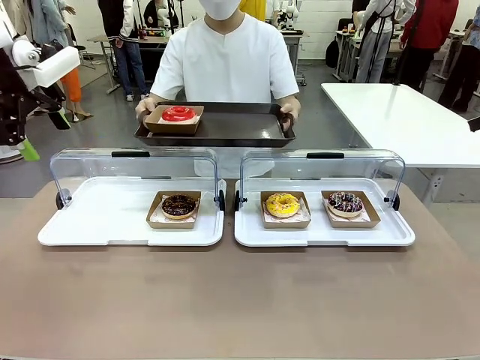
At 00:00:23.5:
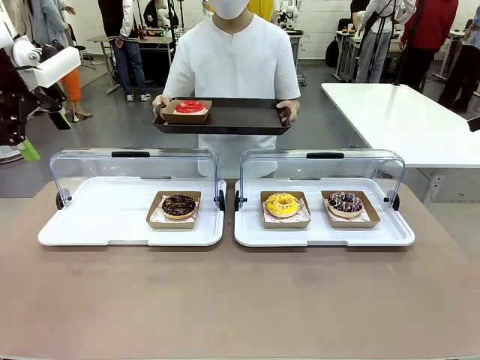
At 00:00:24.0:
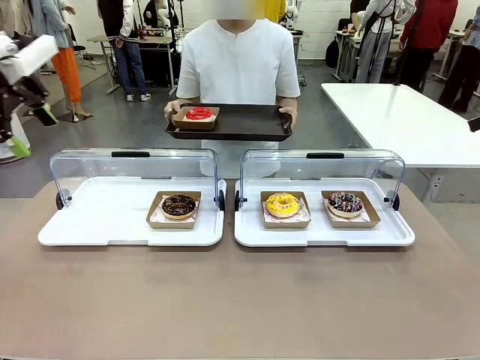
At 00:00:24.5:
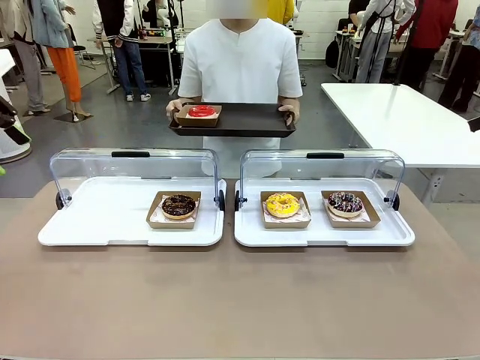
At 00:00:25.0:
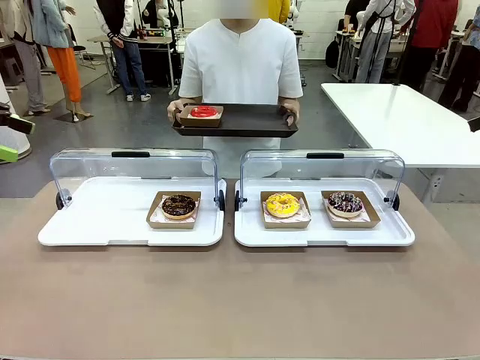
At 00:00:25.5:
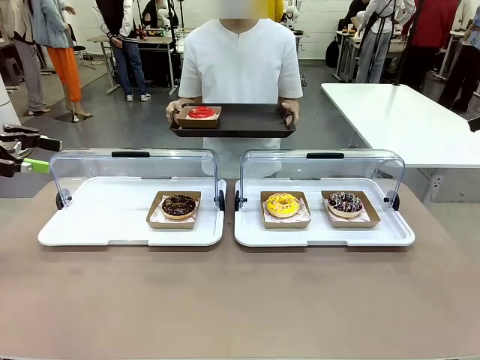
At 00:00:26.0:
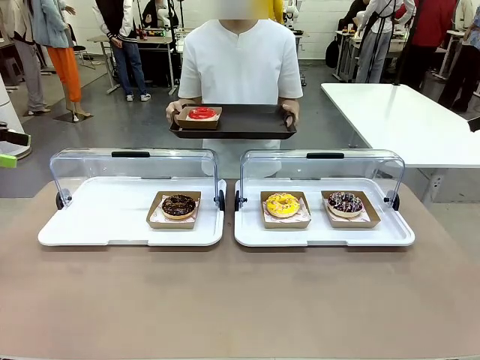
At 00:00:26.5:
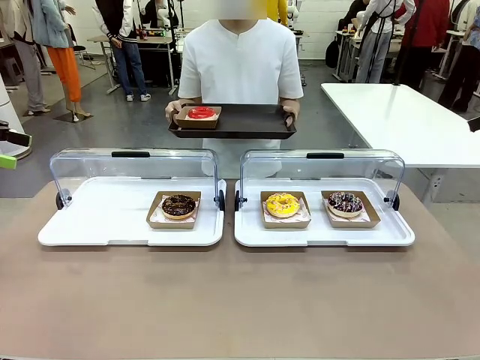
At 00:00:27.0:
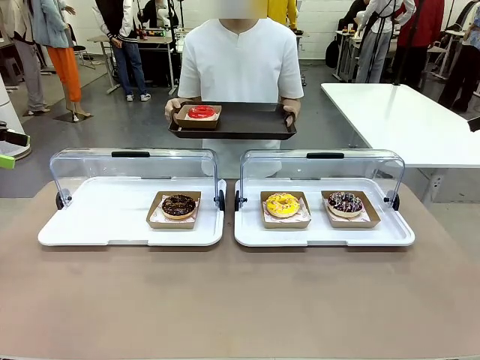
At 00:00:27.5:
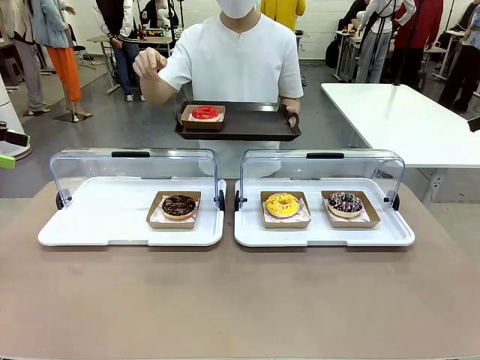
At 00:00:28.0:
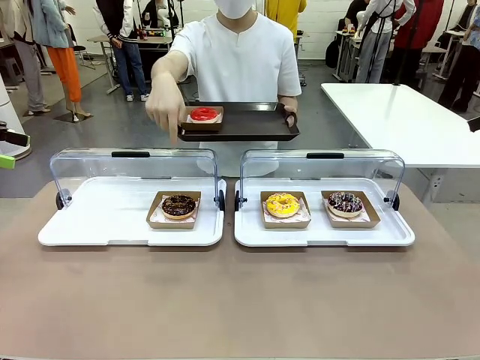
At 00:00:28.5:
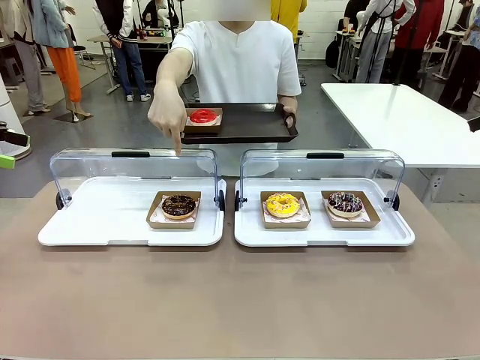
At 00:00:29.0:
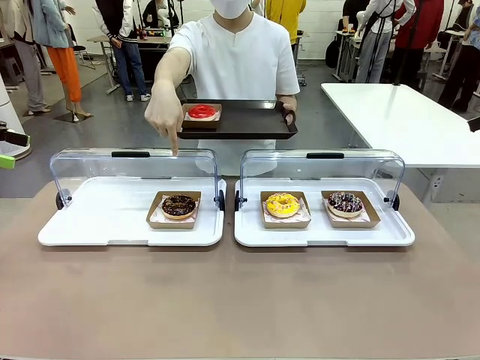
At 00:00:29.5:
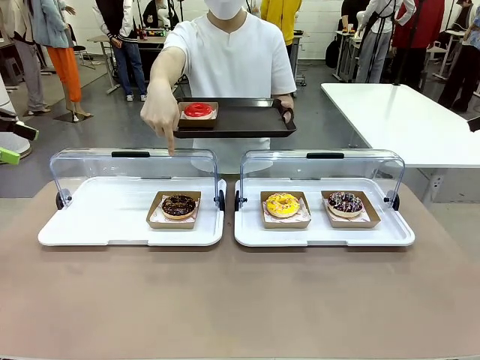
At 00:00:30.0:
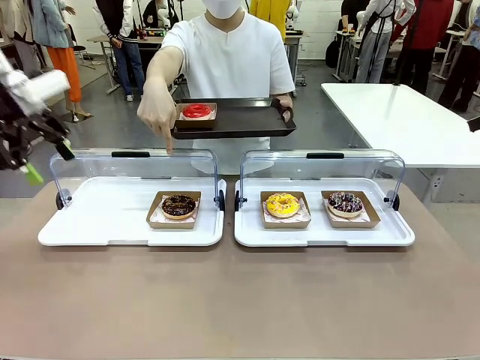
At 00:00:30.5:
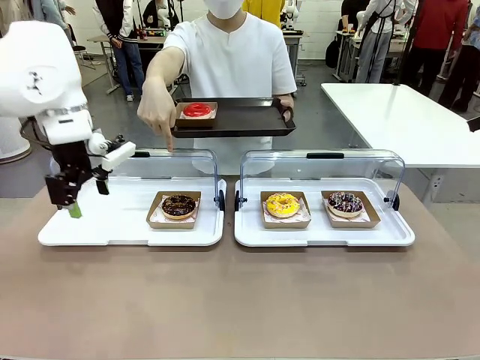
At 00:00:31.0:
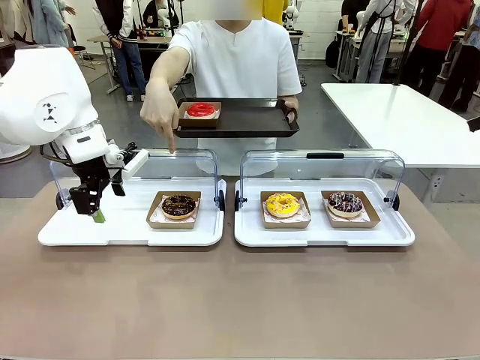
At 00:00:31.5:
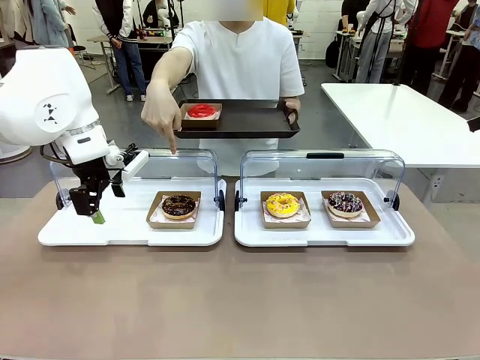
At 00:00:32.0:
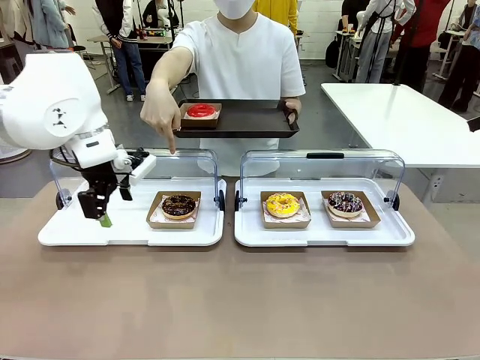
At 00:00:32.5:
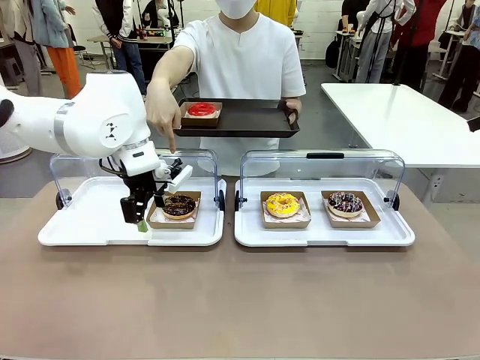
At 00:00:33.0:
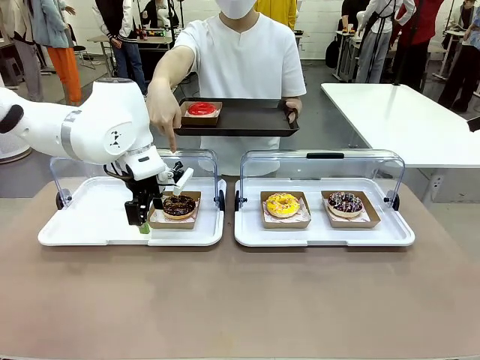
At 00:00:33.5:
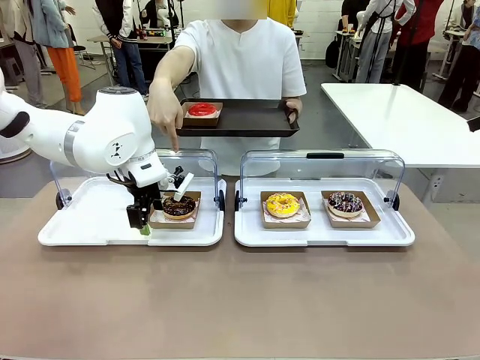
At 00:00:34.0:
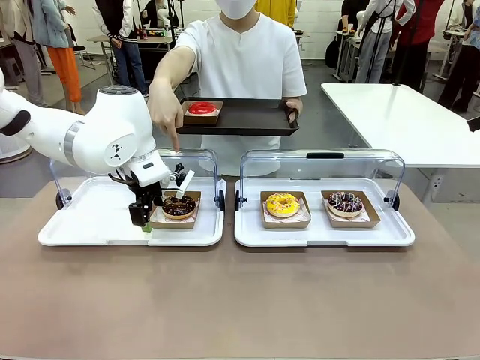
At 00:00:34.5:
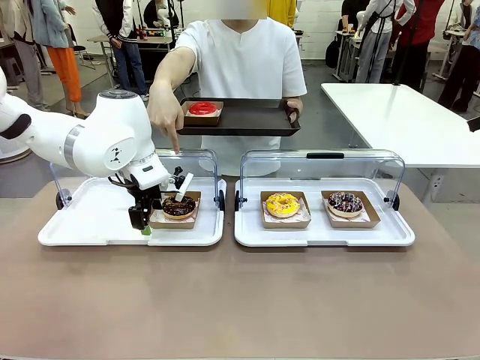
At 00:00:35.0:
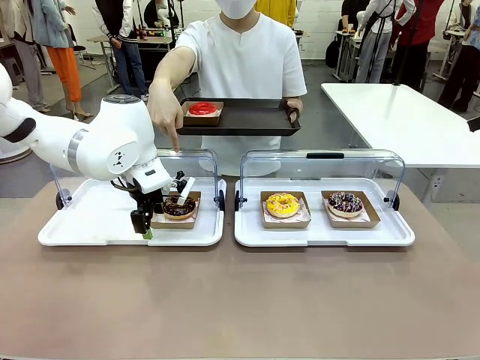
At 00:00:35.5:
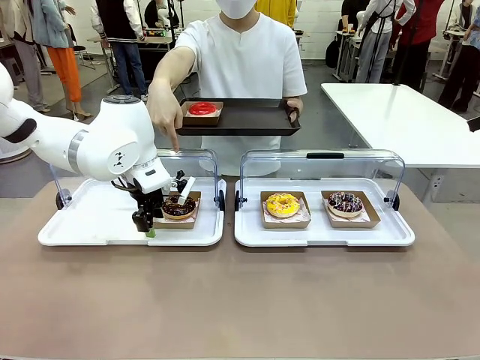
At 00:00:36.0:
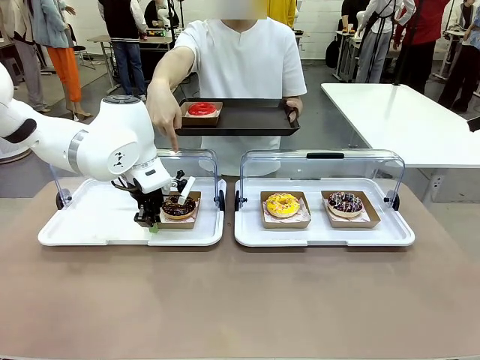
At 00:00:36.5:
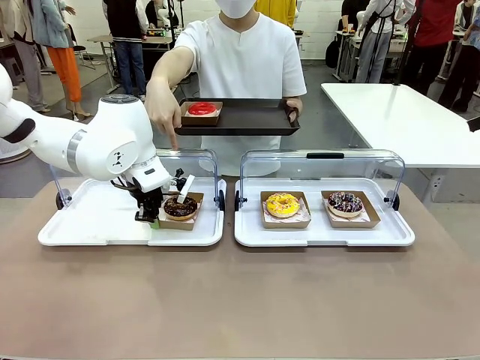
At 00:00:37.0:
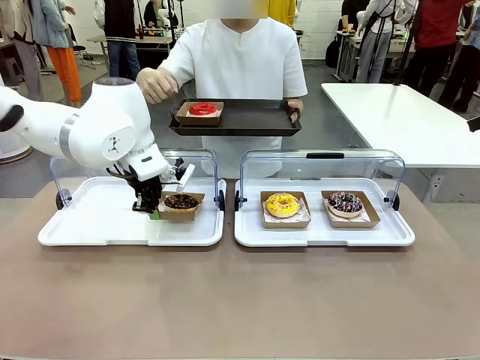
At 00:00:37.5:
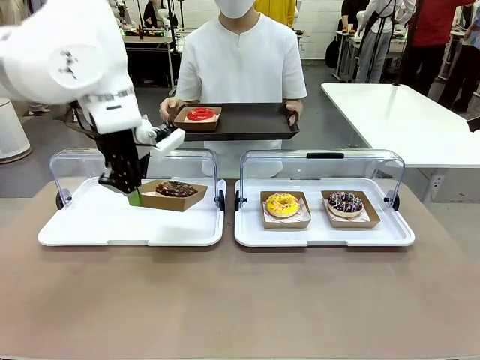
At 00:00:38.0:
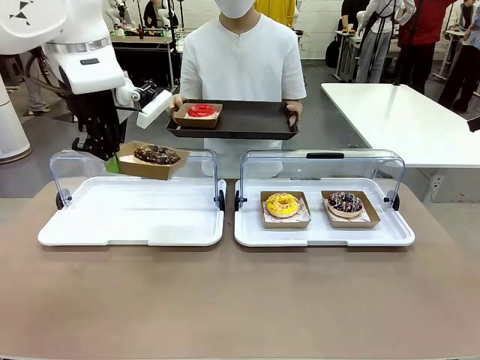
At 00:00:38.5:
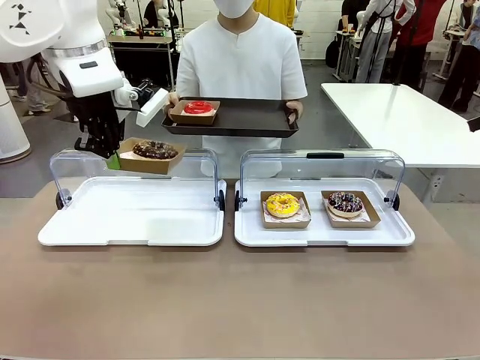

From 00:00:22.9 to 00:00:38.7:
Task: Provide the desired donut to the person.
Robot: Pick up and lift the Paper togo box containing the Donut pointed at by the person.
Person: Point to one donut. Lift the tray onto the Roll-Top Bakery Case.

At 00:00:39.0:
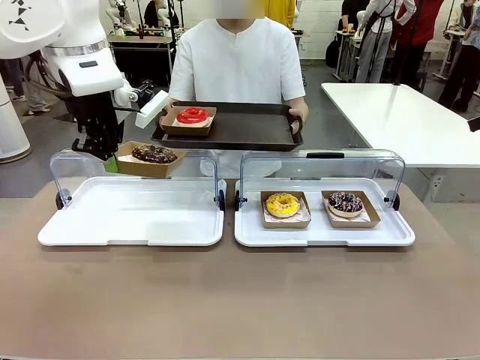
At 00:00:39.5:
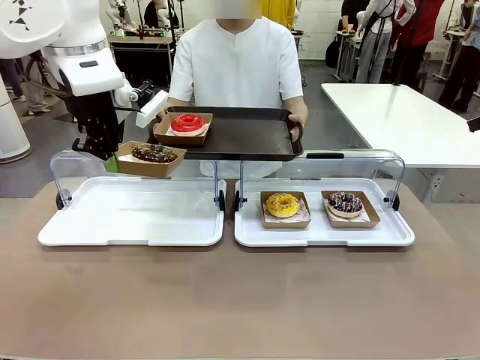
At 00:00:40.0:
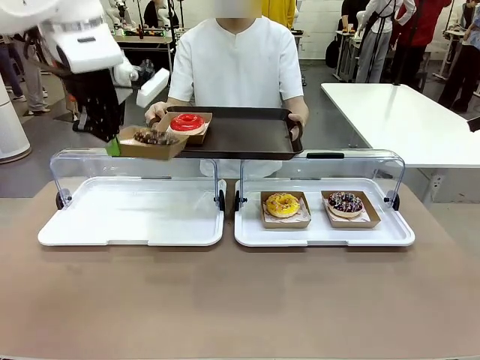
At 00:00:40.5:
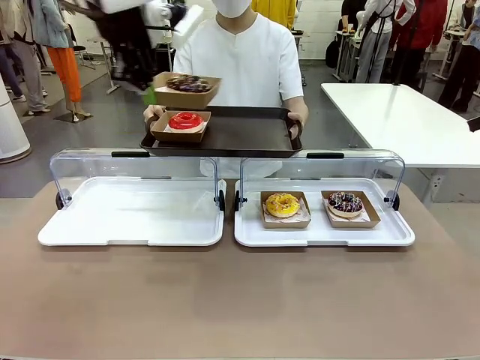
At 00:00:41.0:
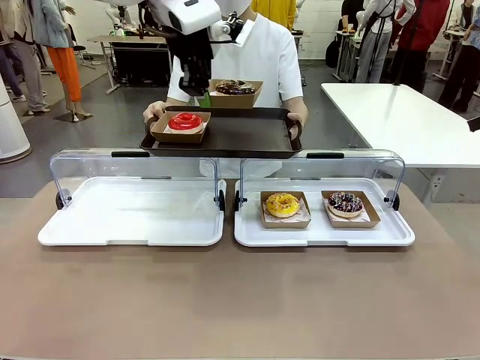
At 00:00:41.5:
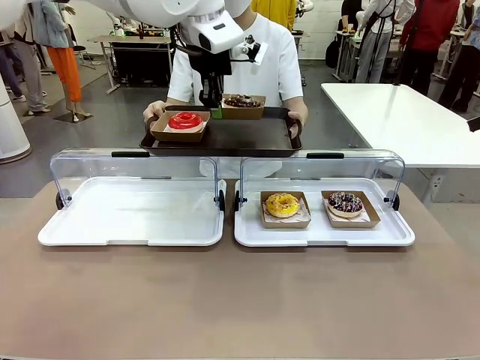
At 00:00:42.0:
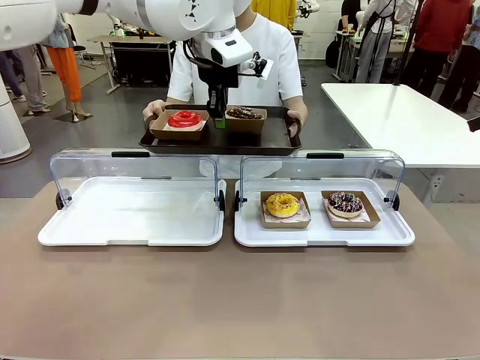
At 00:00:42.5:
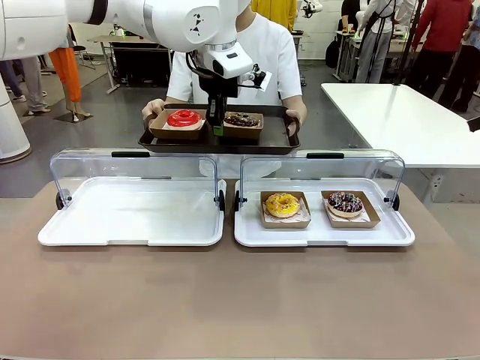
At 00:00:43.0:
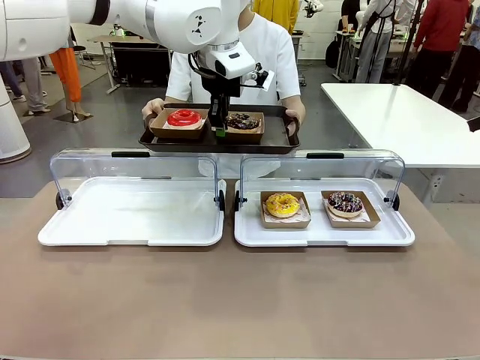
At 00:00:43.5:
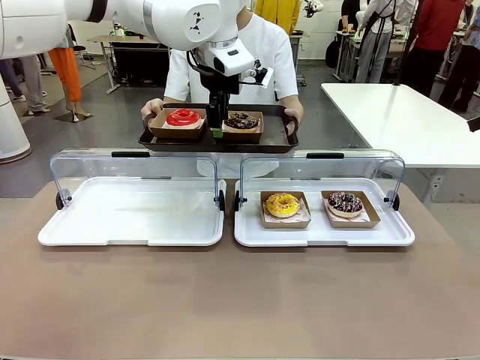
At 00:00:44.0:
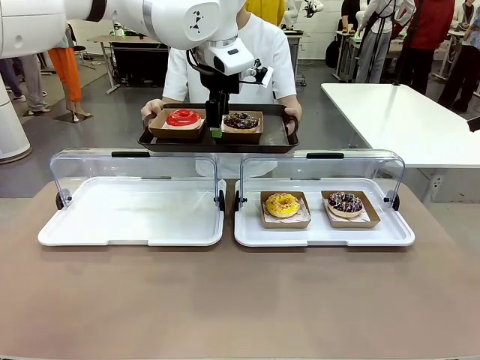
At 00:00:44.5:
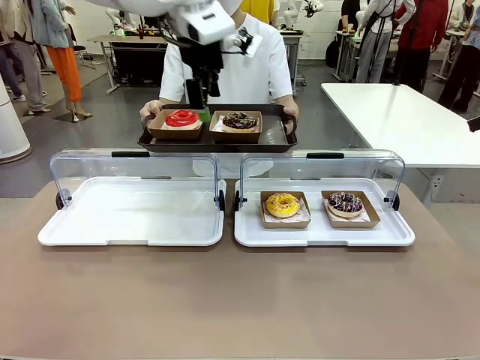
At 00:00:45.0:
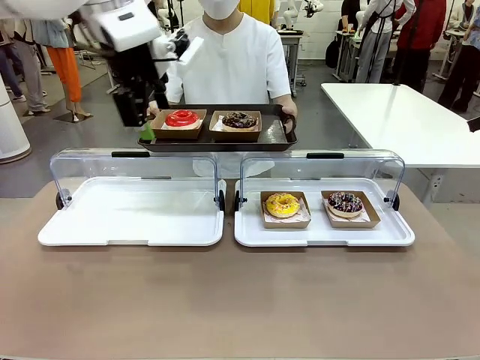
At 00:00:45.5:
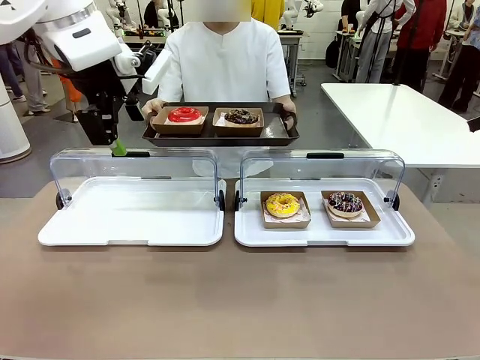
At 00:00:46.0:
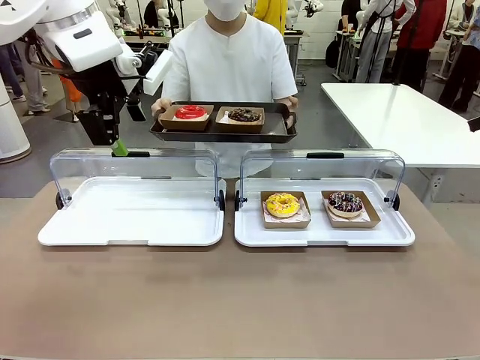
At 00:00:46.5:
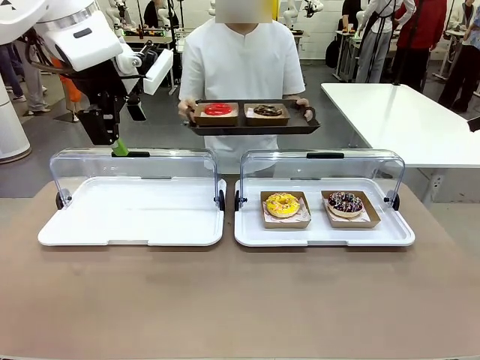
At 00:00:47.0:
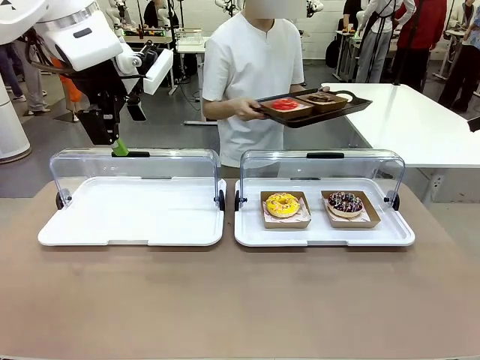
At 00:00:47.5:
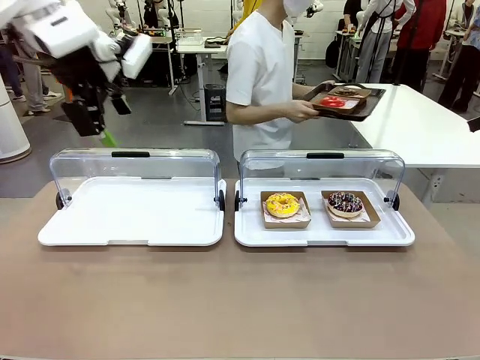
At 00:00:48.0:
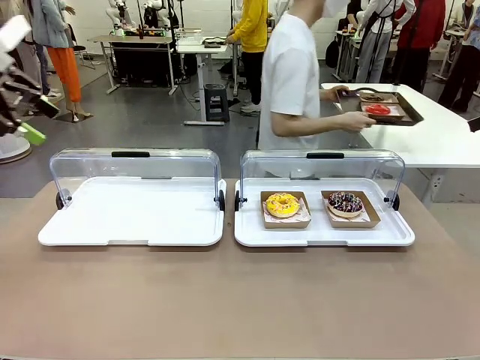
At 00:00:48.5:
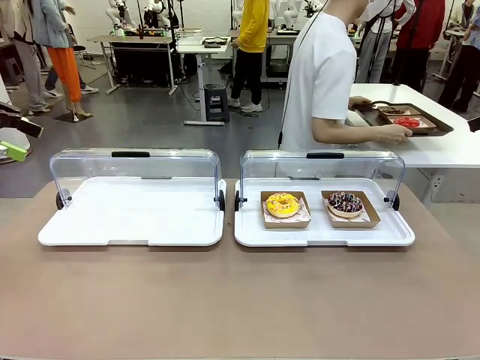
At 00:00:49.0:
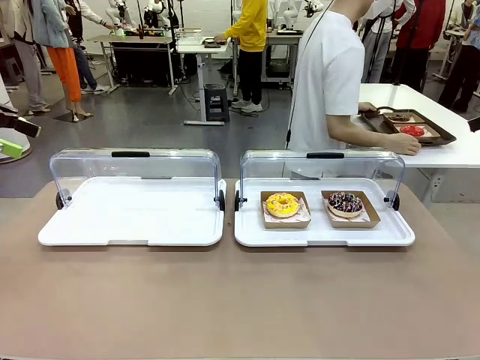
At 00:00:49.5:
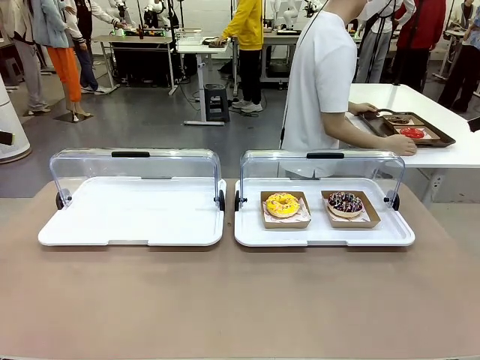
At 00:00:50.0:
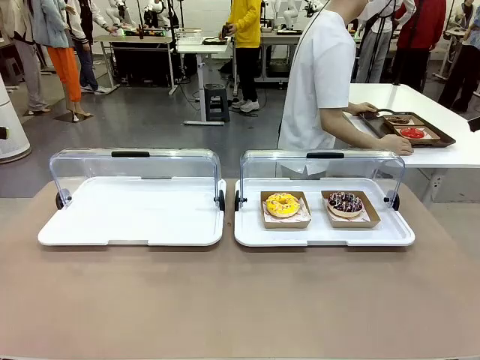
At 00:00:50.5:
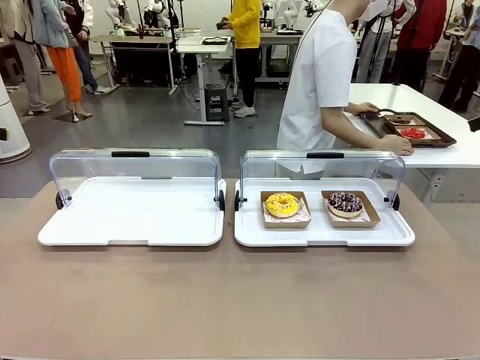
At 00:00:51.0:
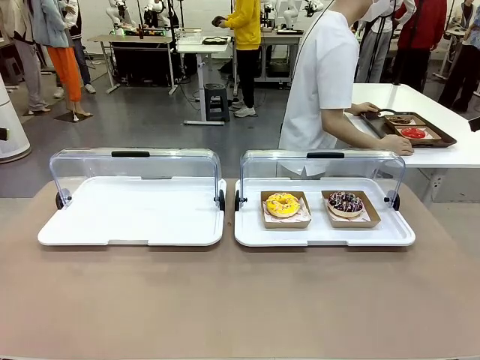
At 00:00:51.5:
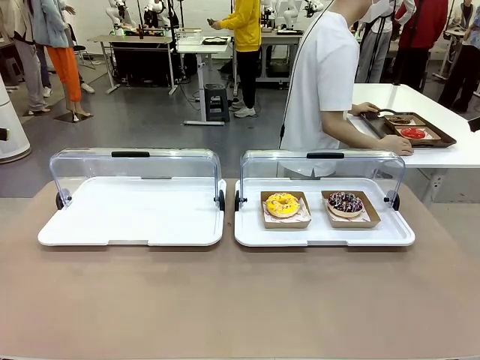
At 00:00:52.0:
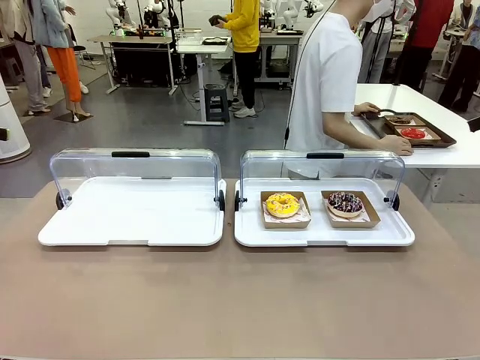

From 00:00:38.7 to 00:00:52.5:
Robot: Place the picked Paper togo box onto the Handle tray extended by the person.
Person: Place the tray in the middle of the human table.
